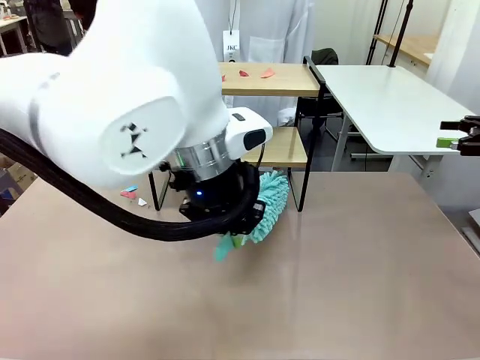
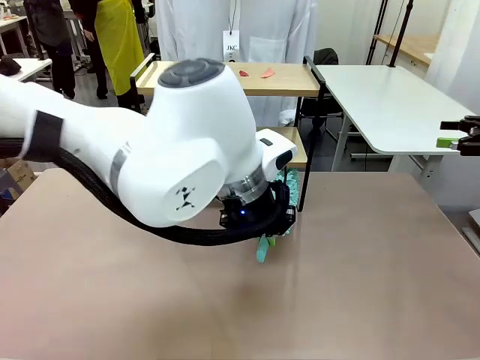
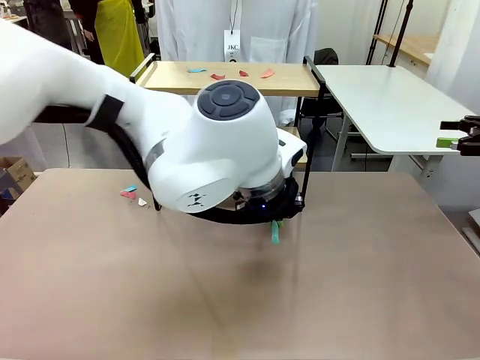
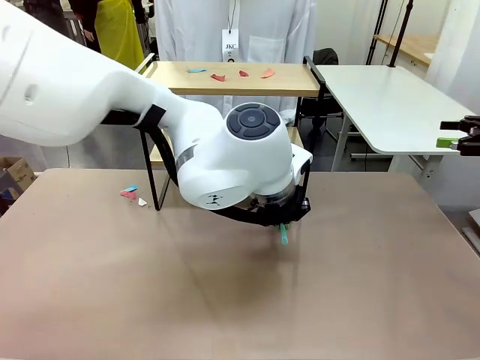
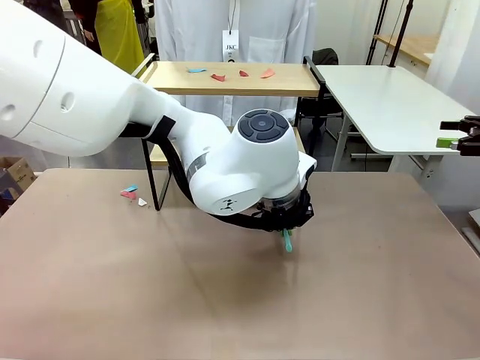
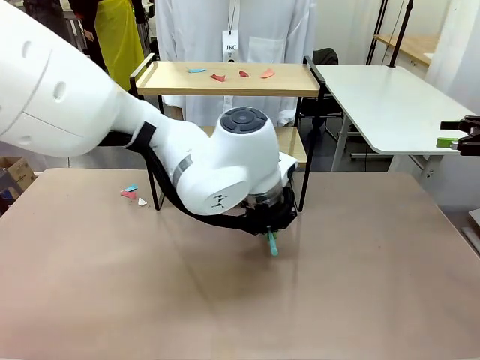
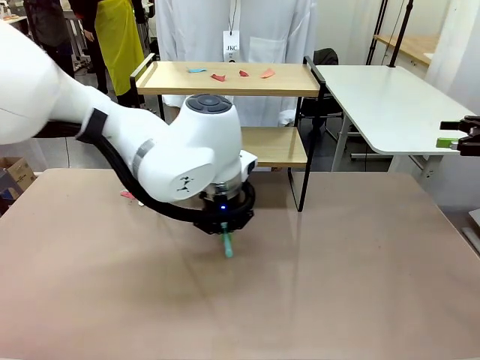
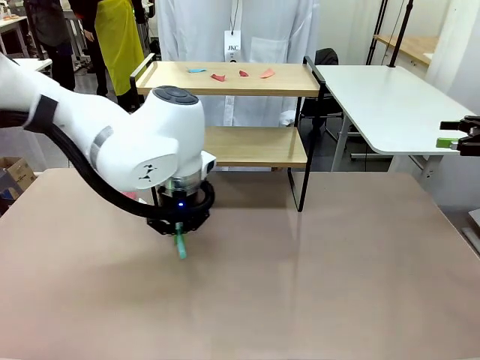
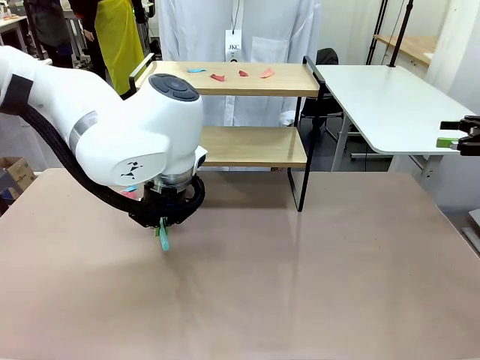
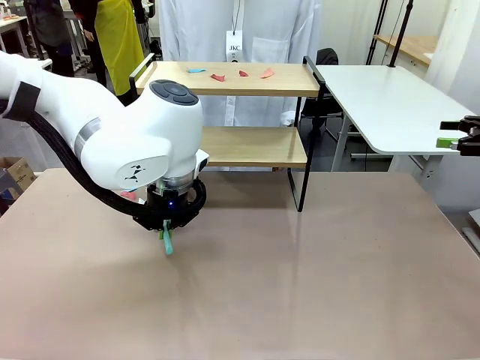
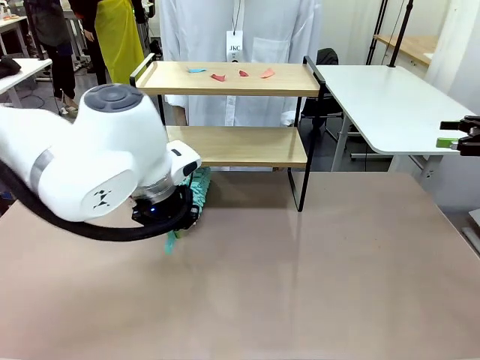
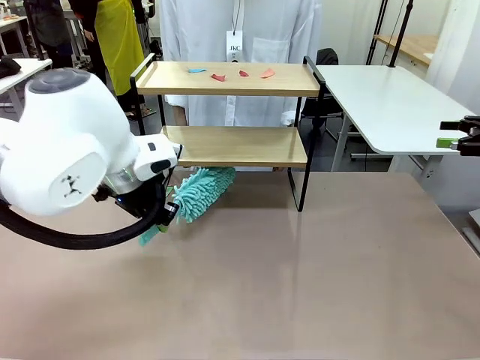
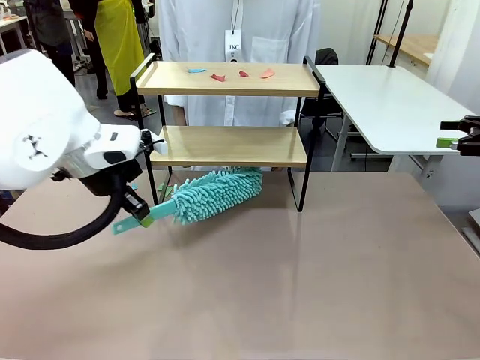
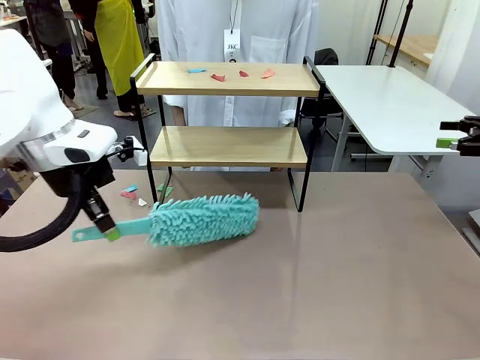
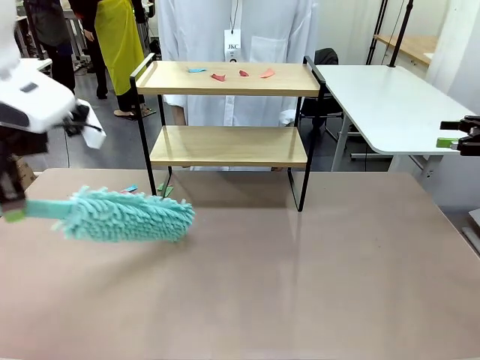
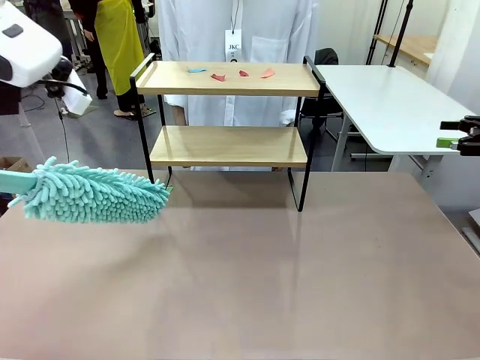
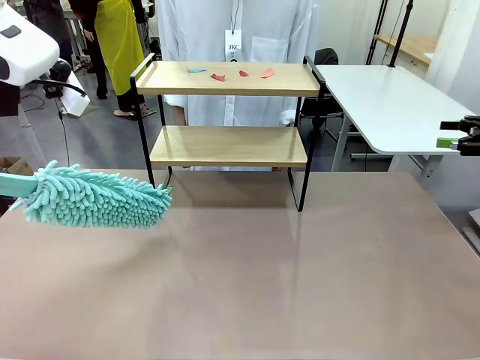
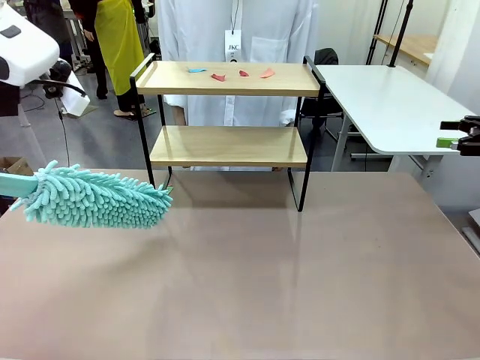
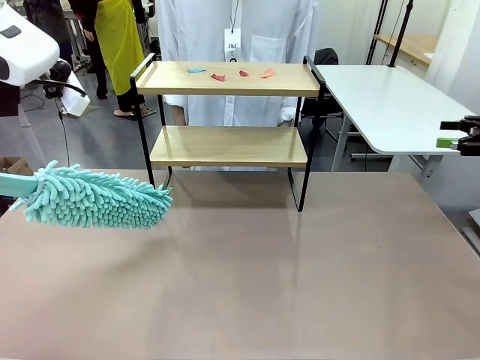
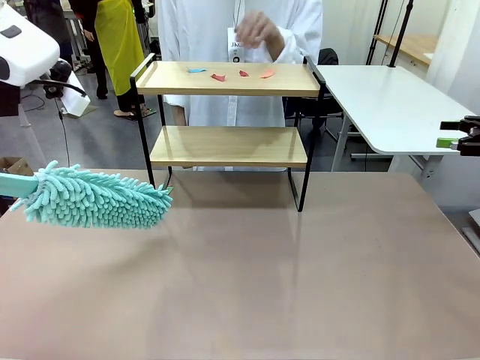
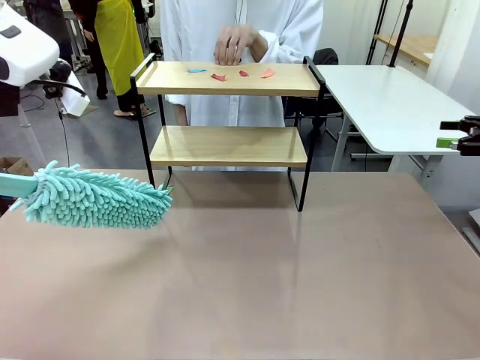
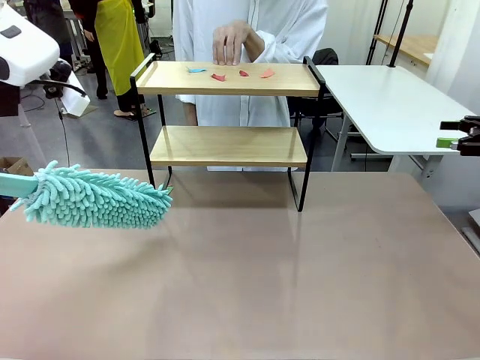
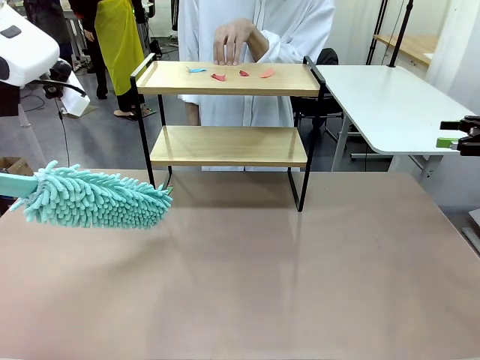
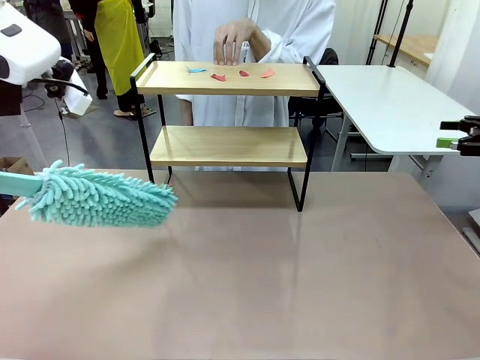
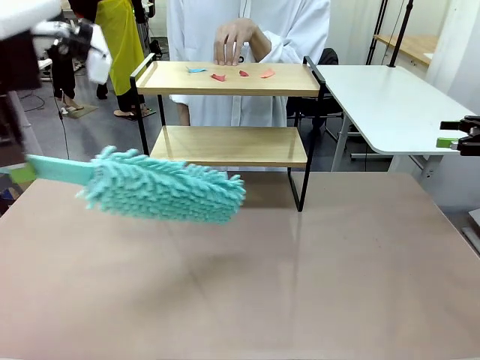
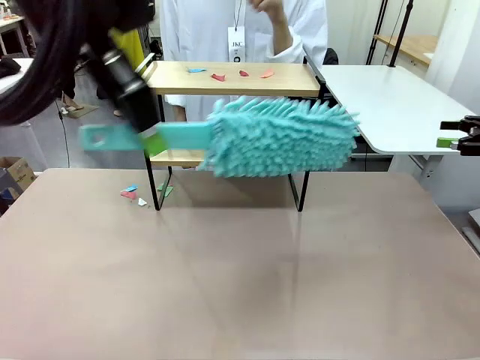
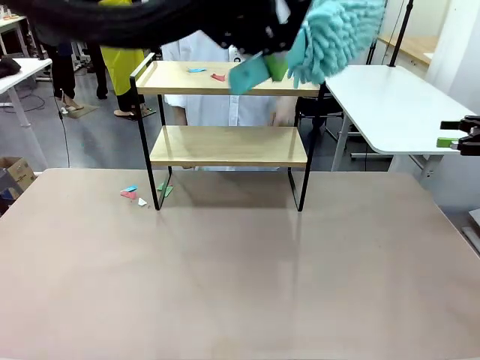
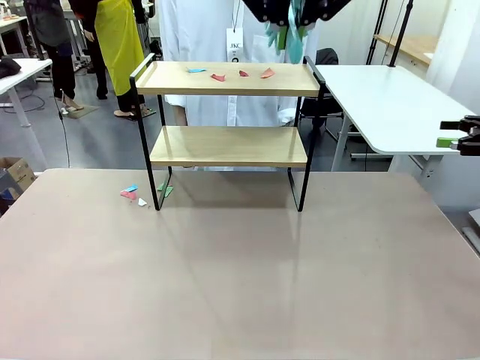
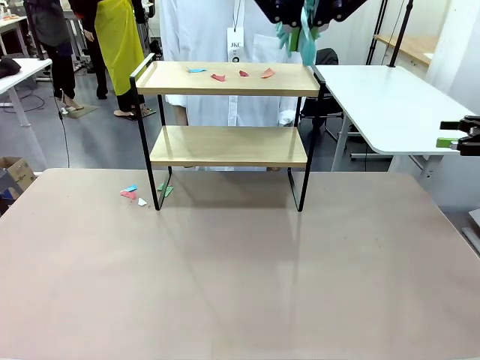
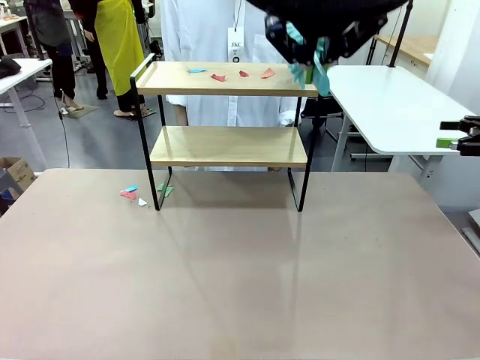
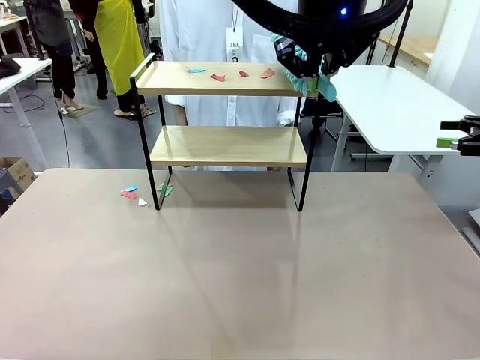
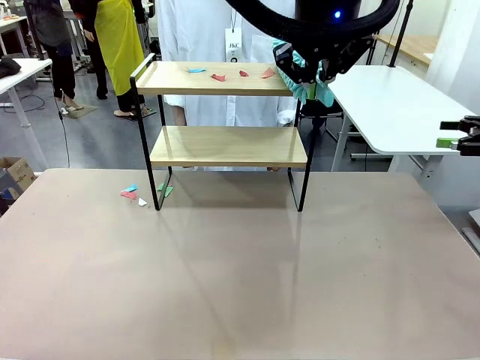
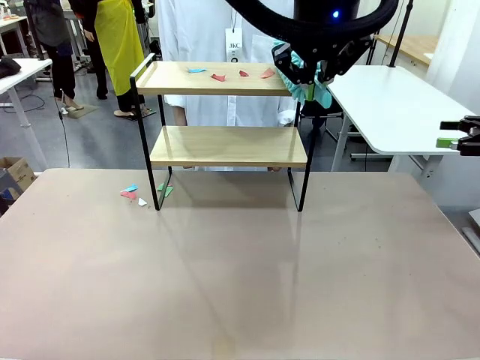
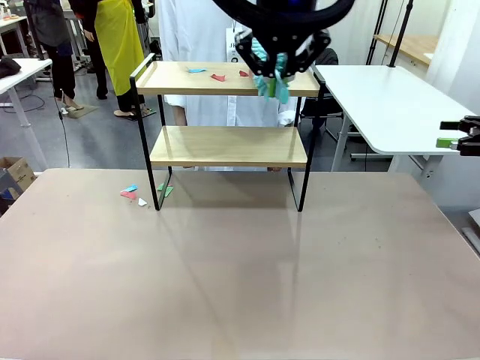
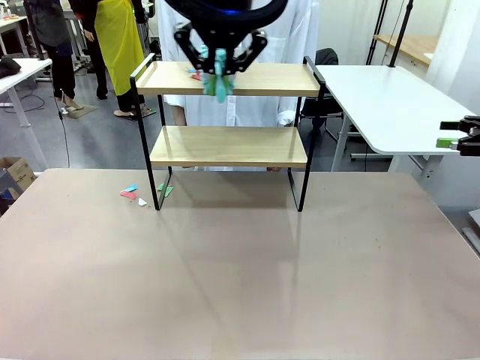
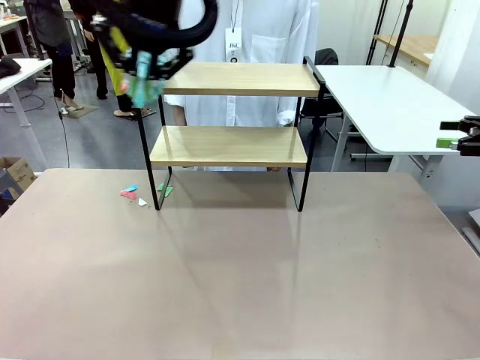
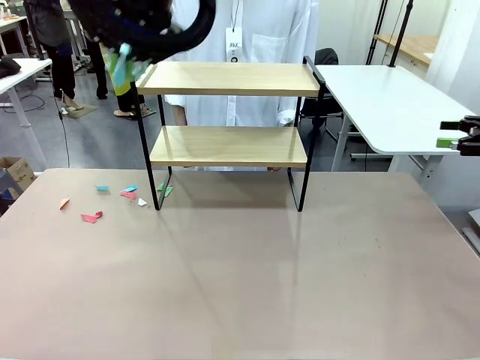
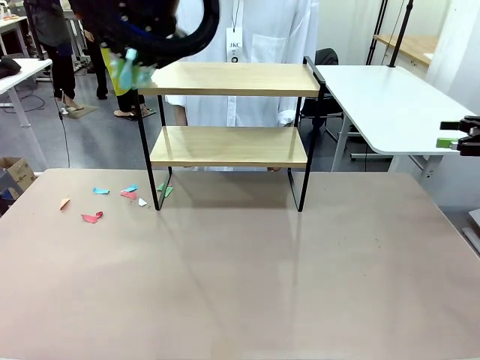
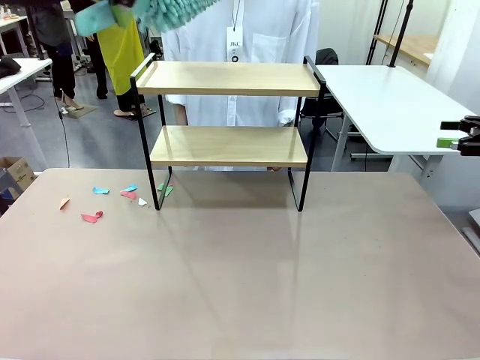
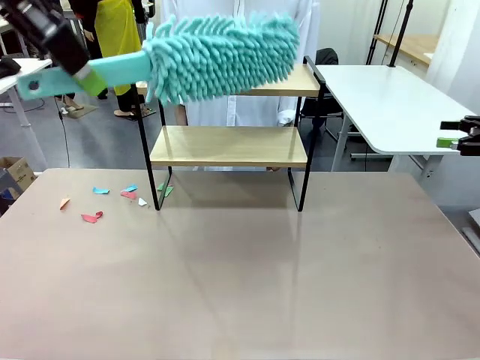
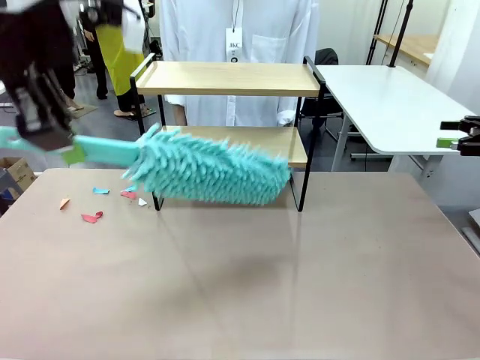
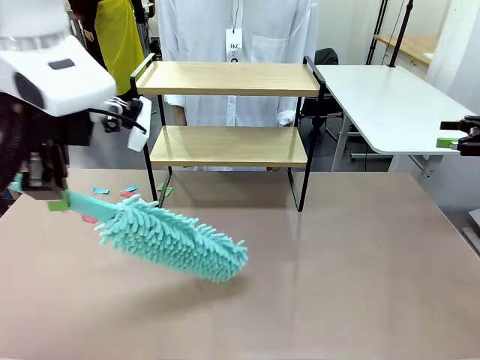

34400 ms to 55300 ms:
Task: Clean the shelf.
Robot: Clean the specific section of the Shelf indicated by the human with the Duster.
Person: Point a remaining section of the Shelf.
